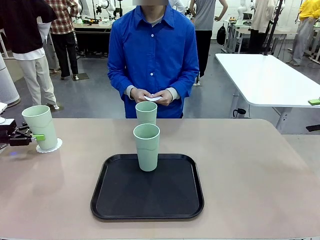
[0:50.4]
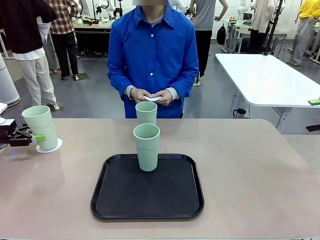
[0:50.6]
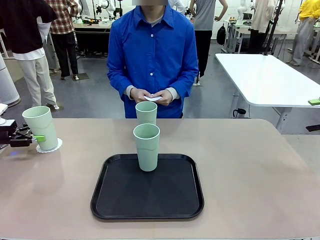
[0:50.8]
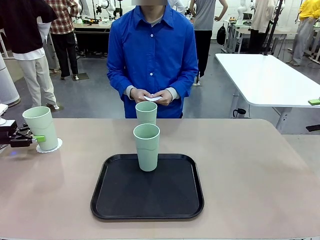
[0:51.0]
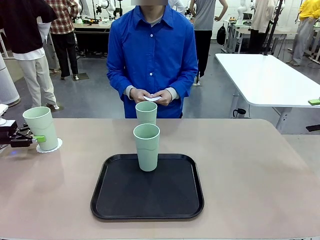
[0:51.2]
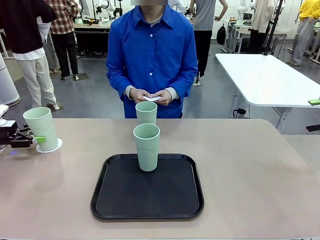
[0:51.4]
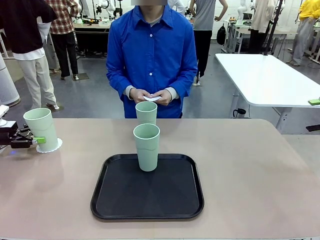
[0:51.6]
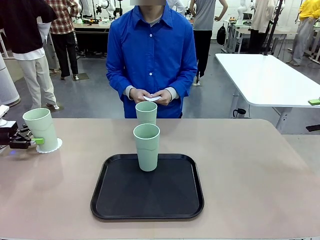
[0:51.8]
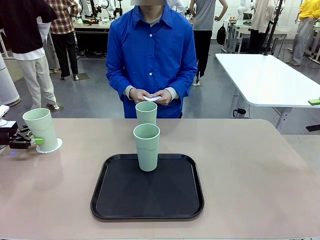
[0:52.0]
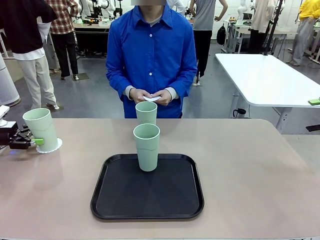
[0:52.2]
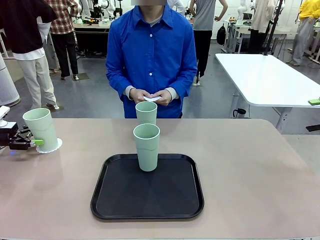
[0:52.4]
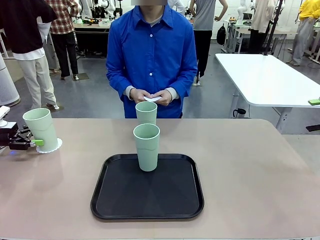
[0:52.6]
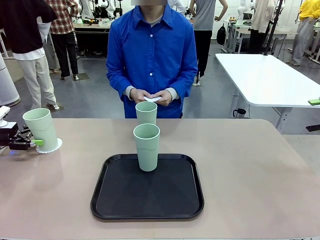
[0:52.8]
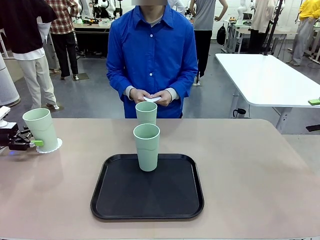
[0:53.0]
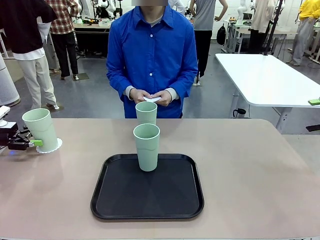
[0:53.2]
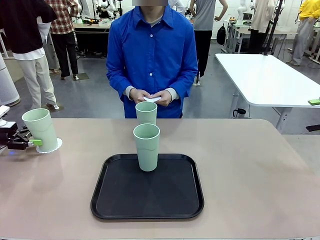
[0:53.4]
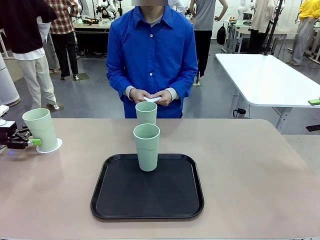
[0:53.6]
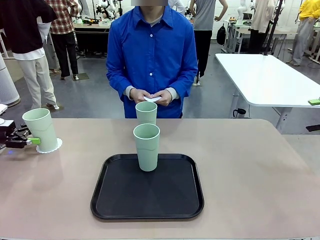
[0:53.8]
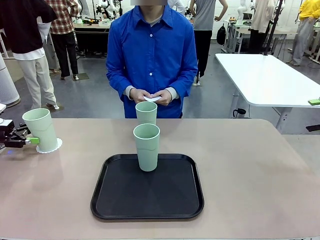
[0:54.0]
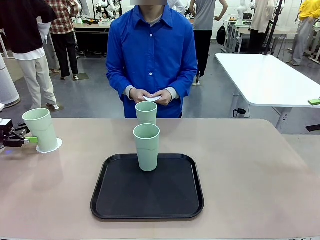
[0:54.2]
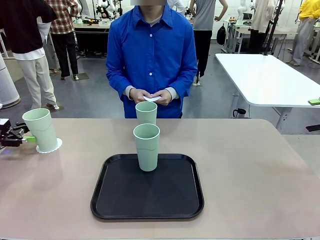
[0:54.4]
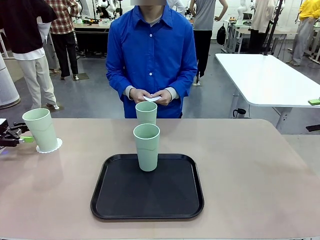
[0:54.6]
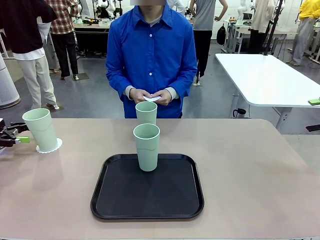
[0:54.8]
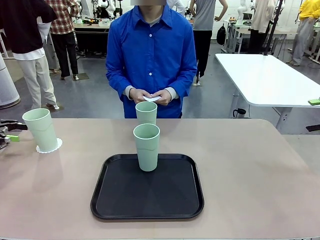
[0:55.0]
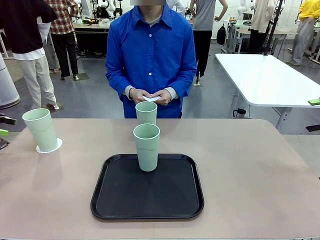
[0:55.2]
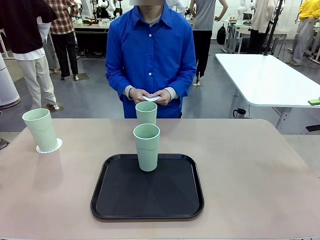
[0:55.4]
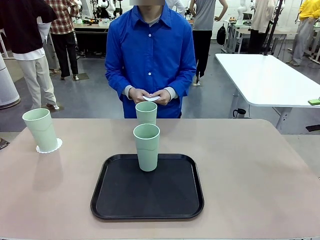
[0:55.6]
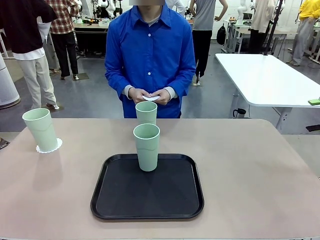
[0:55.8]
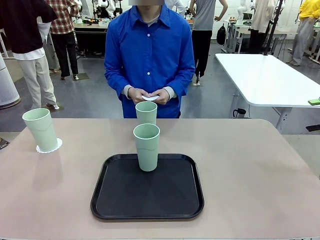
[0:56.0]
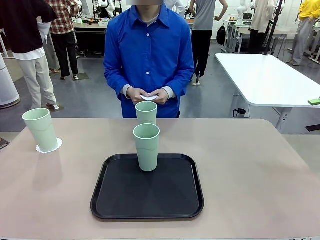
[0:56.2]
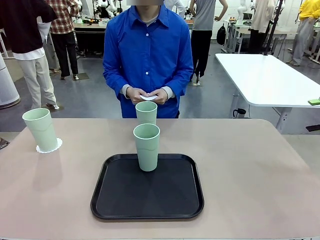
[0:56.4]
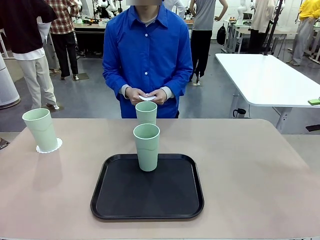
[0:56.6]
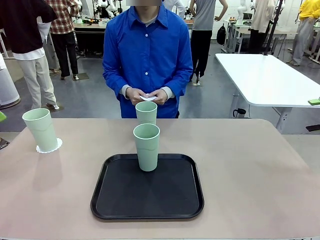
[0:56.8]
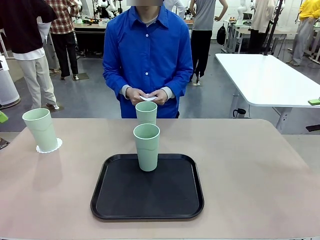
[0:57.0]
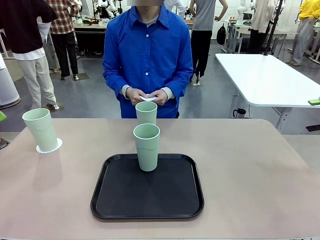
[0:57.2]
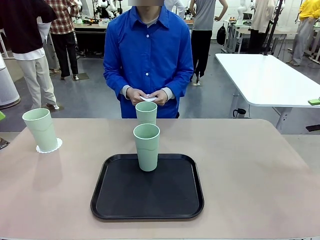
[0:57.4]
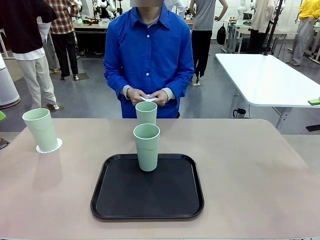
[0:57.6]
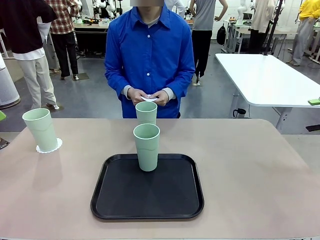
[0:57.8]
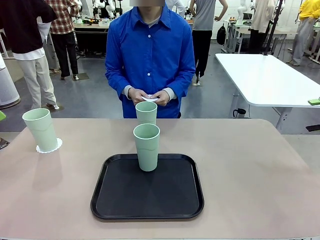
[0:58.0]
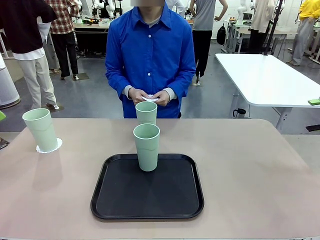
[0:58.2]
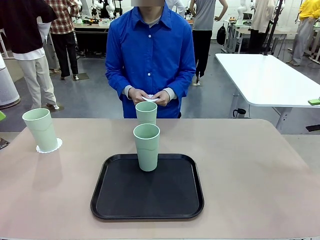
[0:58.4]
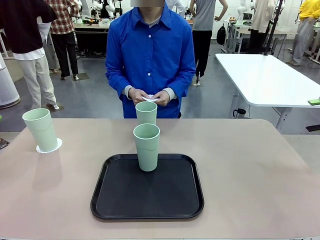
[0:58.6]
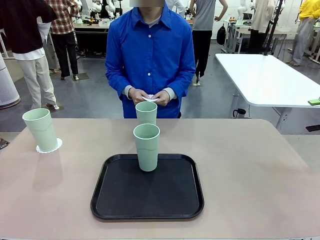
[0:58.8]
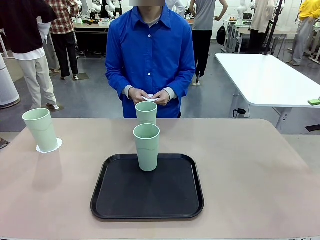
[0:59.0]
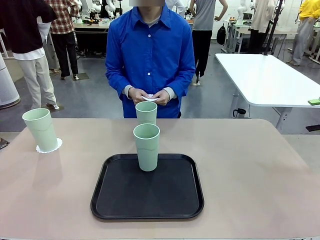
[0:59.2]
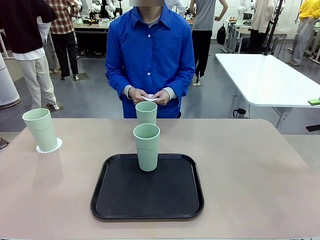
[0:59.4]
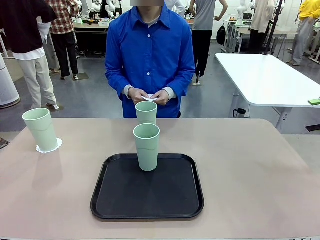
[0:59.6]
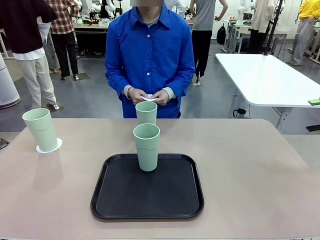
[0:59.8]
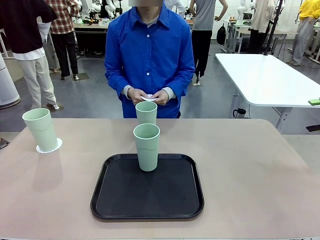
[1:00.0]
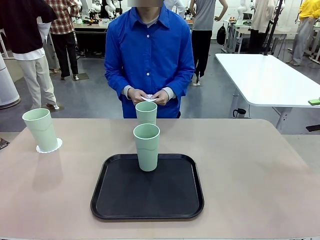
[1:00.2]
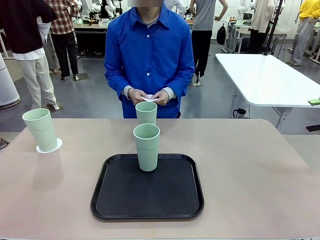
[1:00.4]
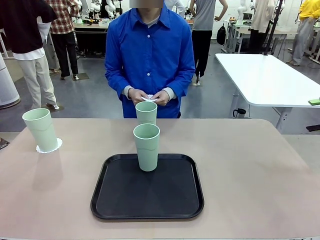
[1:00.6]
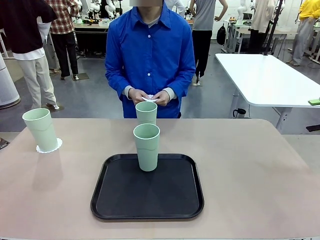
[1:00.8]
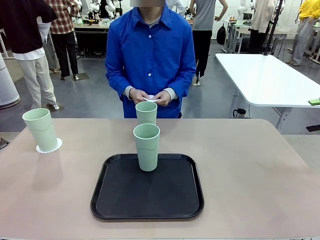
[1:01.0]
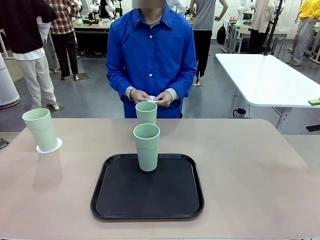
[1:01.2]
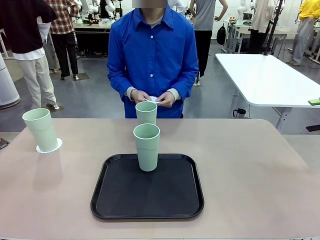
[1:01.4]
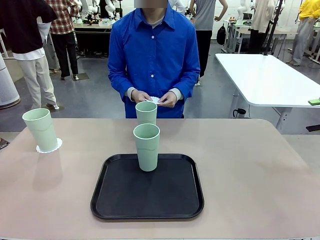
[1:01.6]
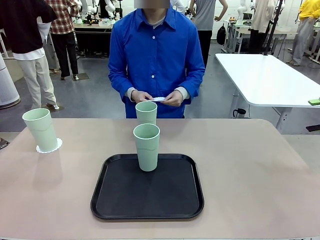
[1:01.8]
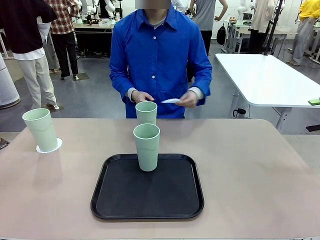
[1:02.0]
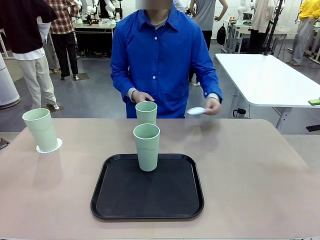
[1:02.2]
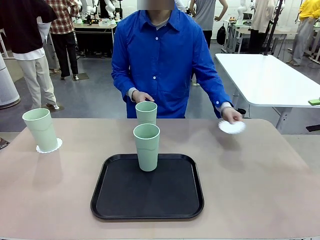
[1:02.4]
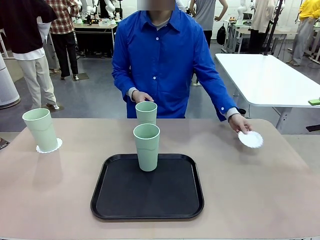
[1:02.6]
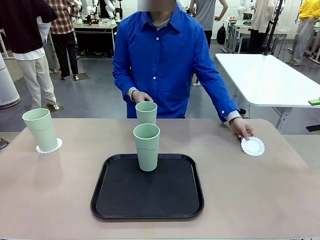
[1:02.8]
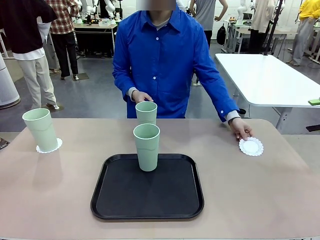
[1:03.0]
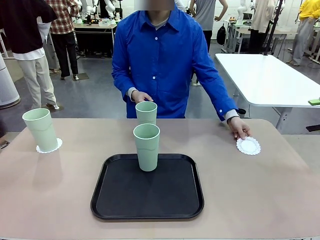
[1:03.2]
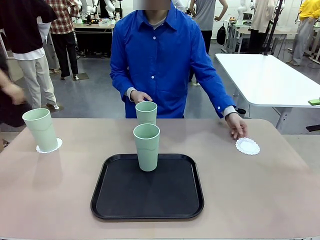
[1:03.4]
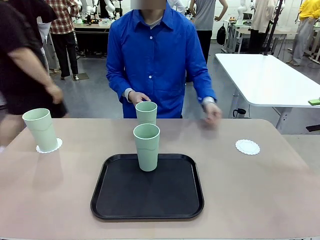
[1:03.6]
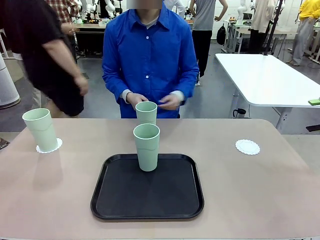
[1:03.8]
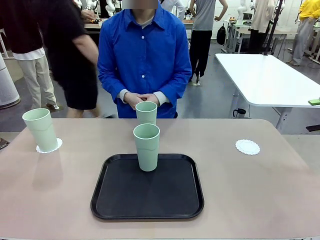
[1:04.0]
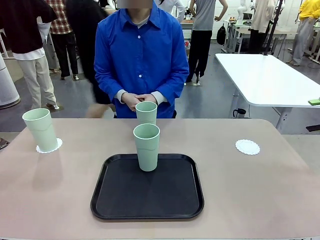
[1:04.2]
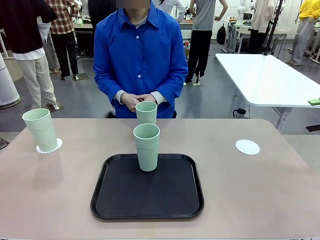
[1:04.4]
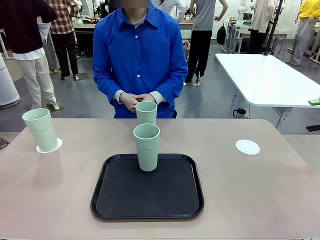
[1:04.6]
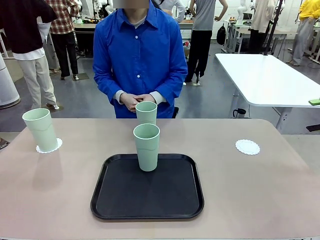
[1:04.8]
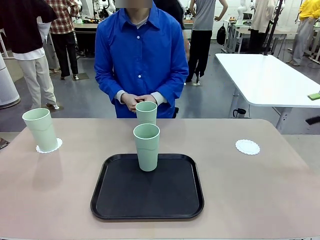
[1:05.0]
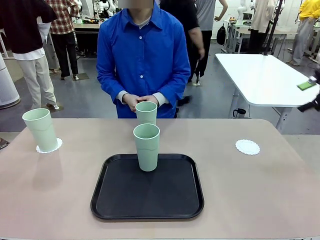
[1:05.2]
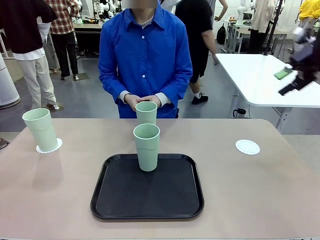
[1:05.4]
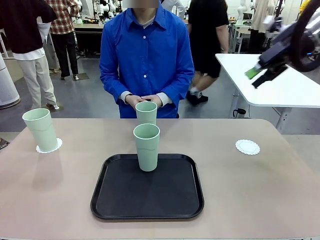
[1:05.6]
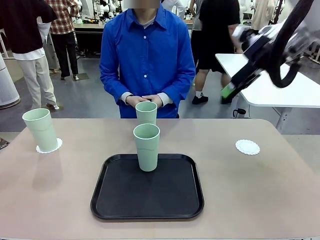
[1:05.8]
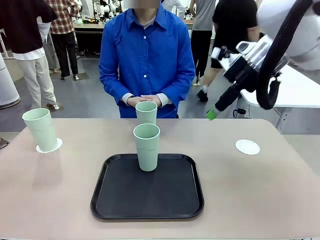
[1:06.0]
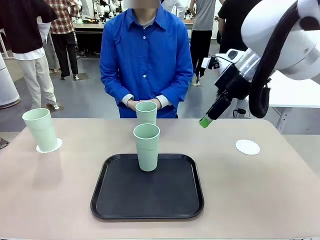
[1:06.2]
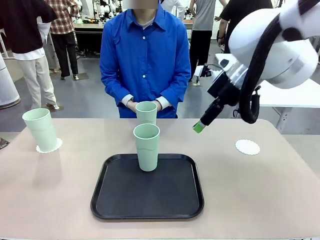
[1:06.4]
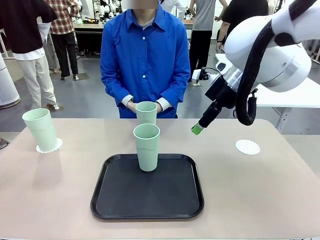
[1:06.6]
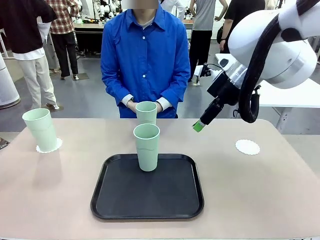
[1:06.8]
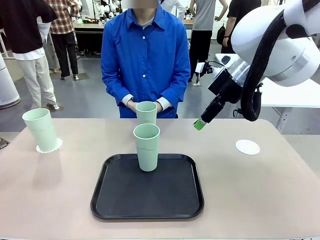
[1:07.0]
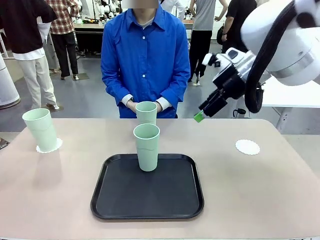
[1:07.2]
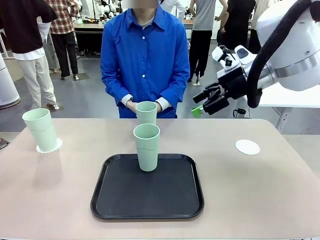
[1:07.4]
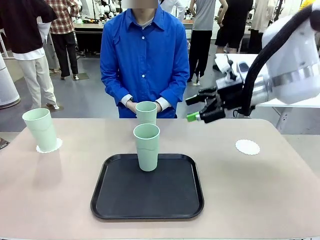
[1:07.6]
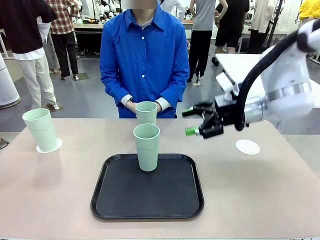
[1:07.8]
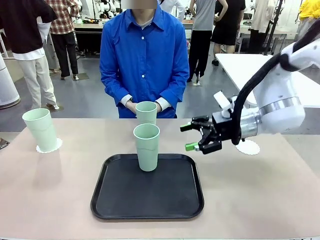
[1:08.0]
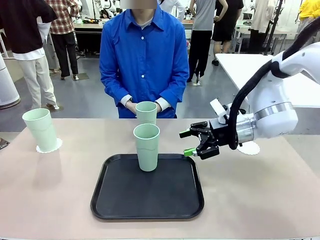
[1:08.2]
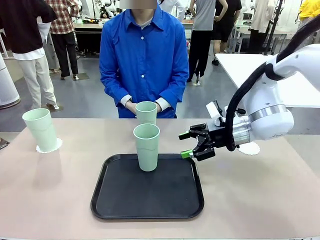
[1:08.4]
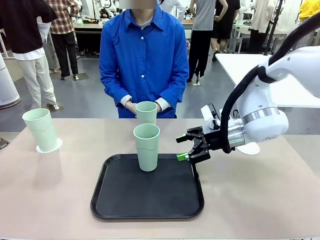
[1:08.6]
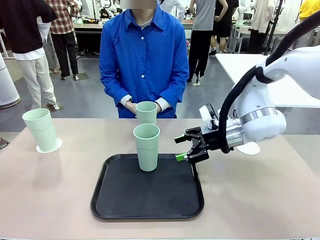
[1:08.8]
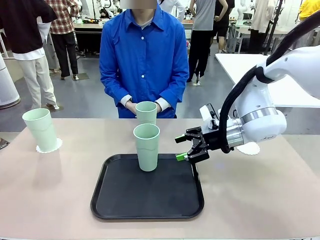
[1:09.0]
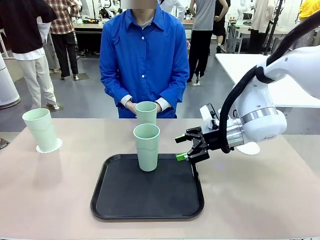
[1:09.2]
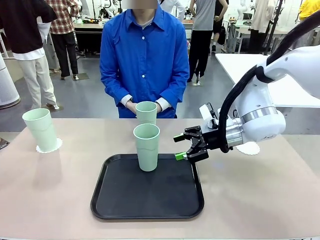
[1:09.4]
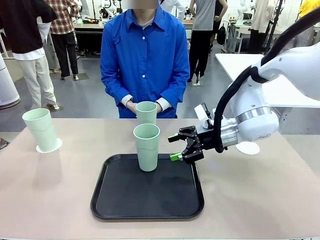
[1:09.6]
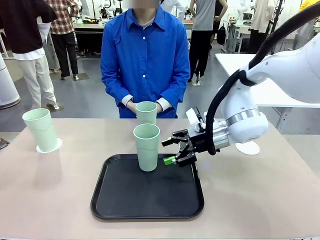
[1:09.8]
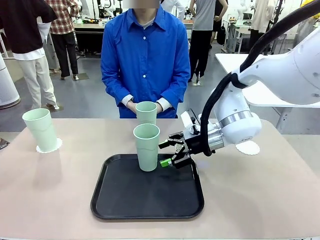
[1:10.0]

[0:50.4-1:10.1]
Task: Place coasters on the table and set cups on them.
Robot: Take one Reusable plastic cup from the Flat Tray and place it on a coaster set by the human.
